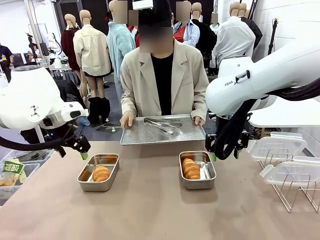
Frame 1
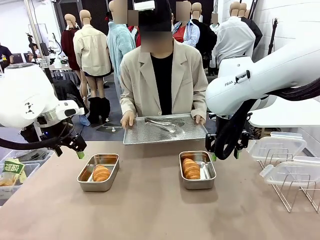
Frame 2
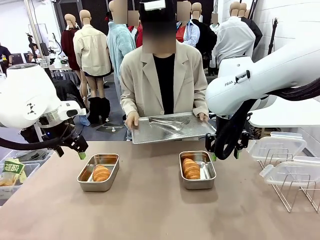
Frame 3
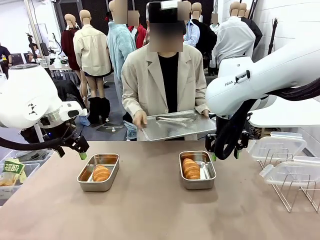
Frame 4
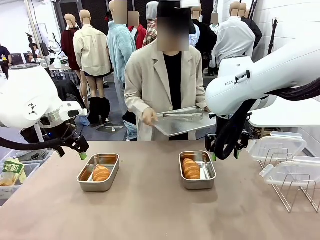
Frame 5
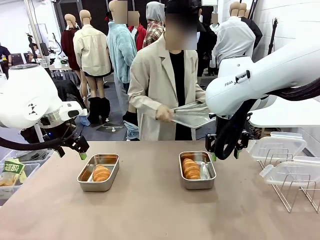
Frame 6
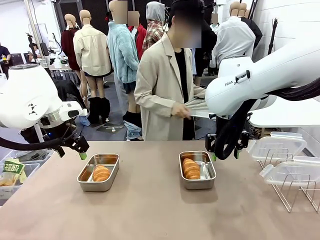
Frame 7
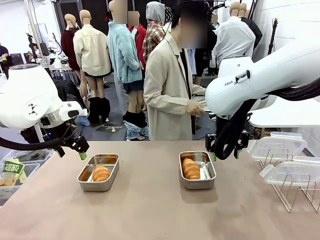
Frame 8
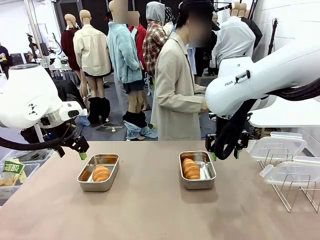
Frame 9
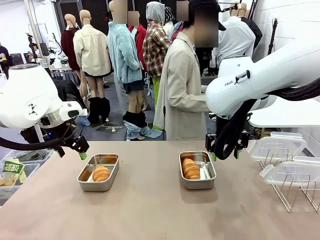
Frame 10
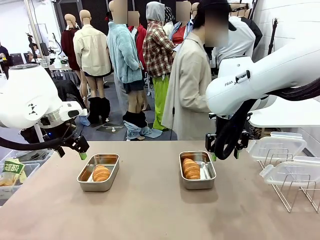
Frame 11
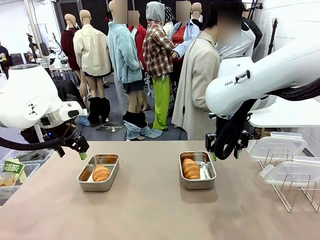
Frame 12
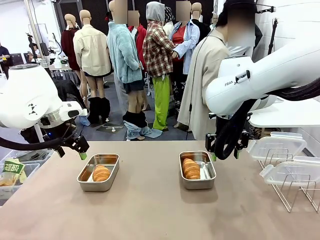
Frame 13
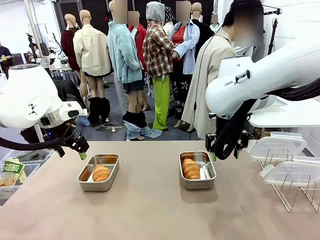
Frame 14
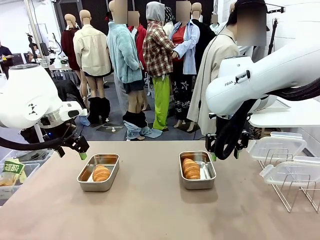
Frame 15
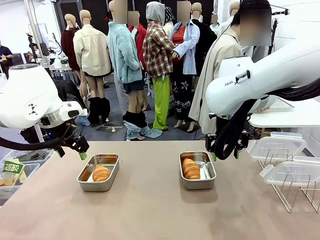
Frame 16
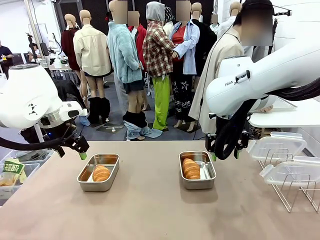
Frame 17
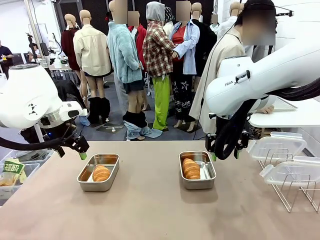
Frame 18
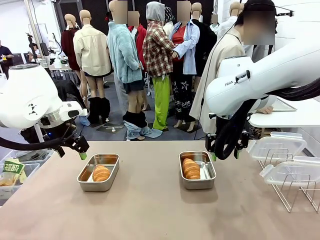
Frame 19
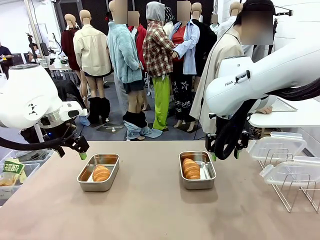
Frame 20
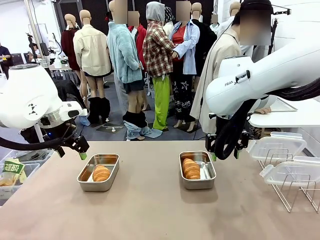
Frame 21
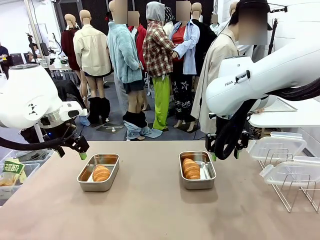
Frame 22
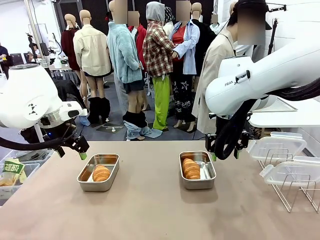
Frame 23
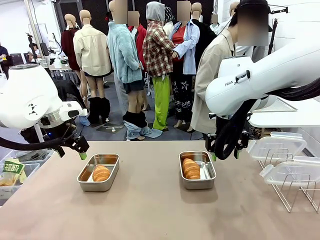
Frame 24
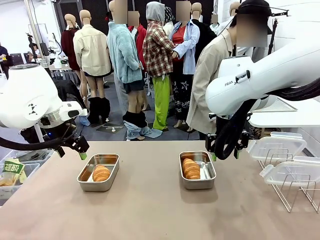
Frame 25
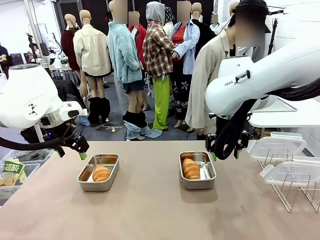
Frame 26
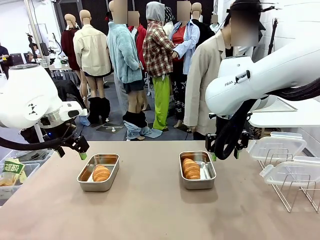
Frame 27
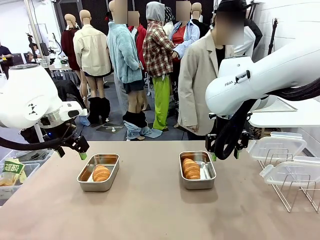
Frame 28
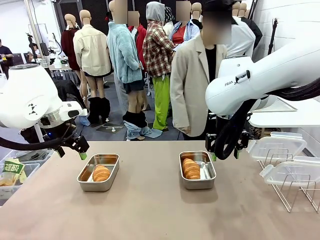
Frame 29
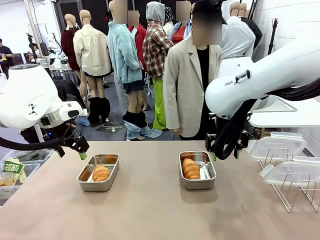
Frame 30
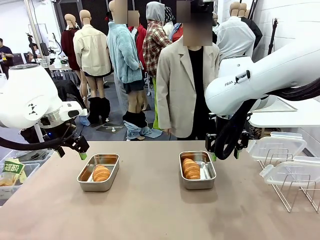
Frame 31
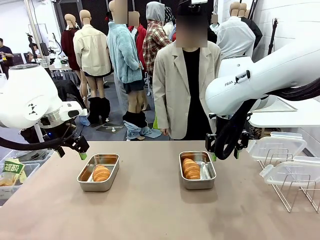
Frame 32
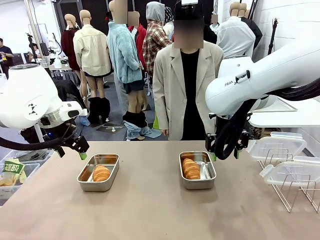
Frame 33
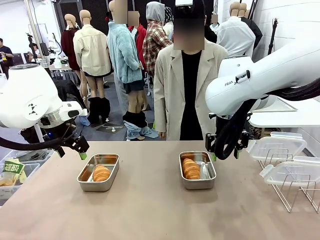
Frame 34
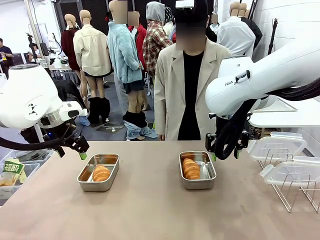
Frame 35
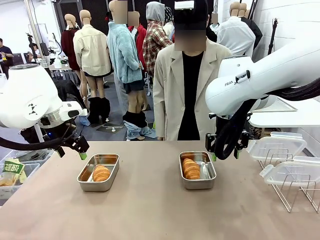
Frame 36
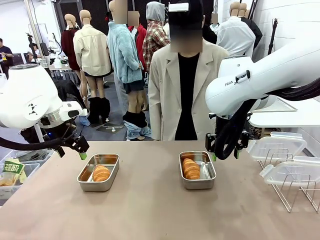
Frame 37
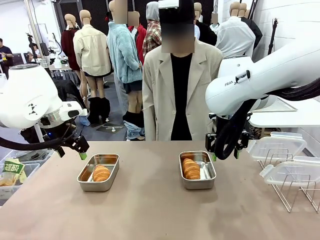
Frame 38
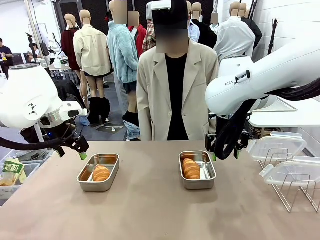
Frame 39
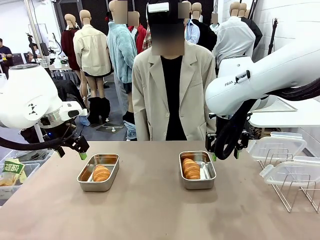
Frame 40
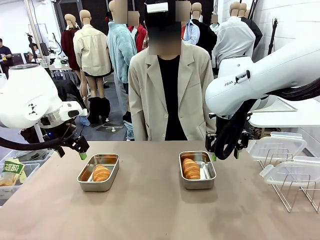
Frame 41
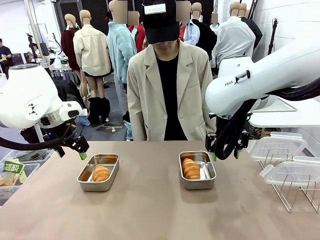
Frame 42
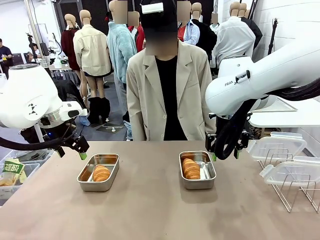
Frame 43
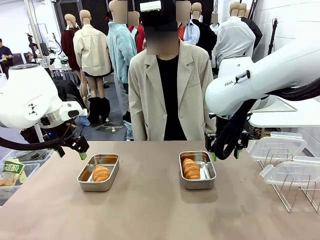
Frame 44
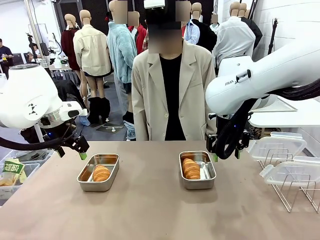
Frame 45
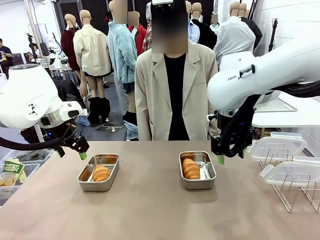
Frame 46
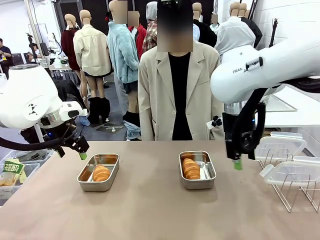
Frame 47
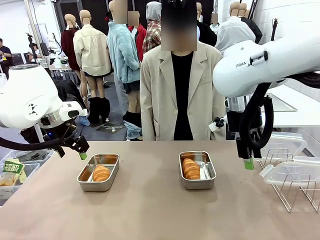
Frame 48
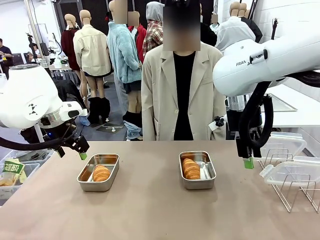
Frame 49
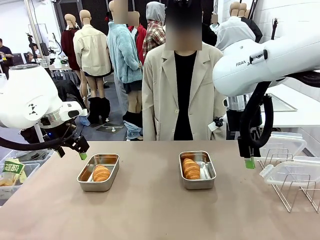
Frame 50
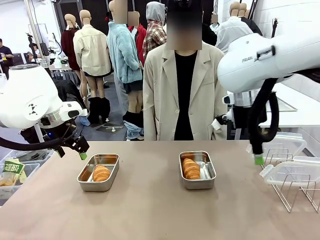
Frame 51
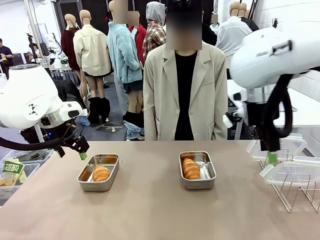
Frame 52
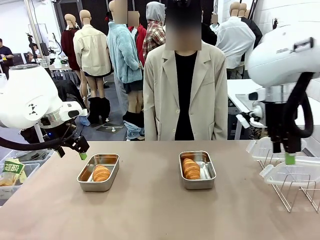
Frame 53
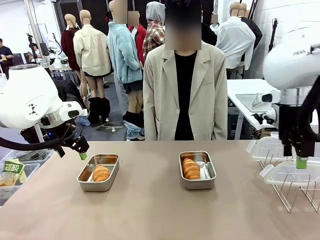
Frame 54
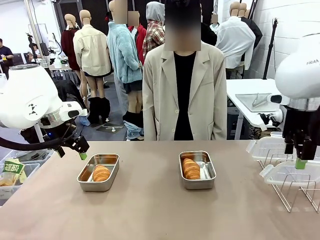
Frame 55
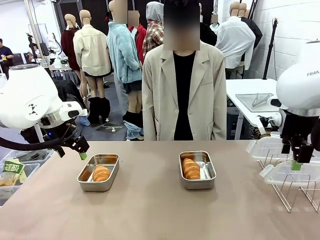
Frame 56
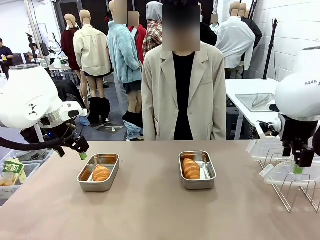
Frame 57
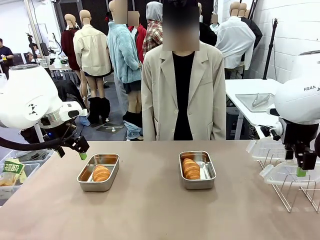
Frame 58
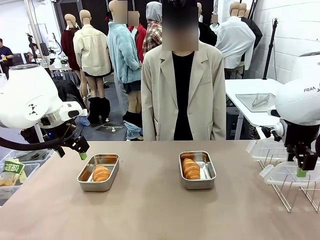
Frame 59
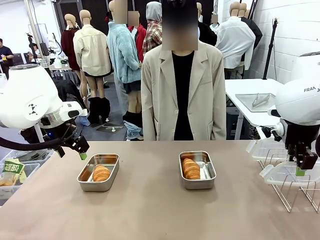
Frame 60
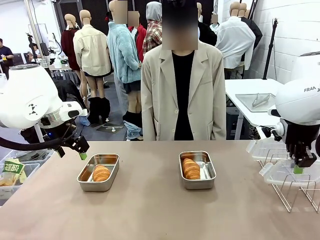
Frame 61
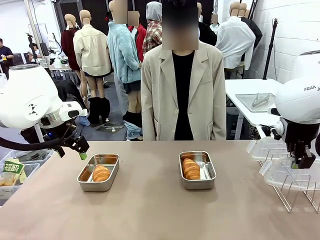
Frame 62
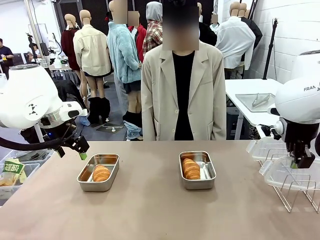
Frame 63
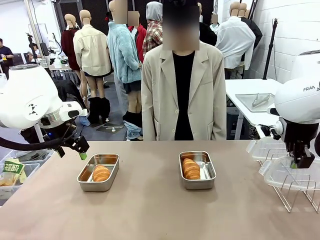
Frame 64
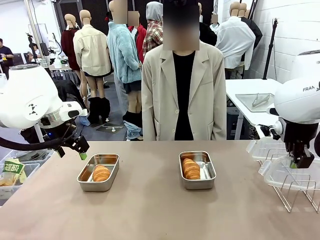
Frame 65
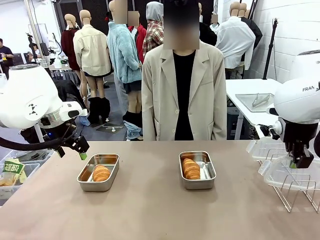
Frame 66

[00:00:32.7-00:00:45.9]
Task: Place the bread in airtight containers.
Robot: Pick up one Airtight Container lid and hand it to the human.
Person: Place Baking Sheet on the Human's Table. Grip Airtight Container lid that robot is handing.

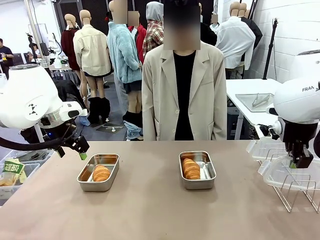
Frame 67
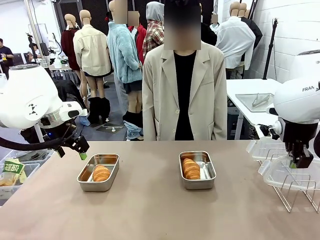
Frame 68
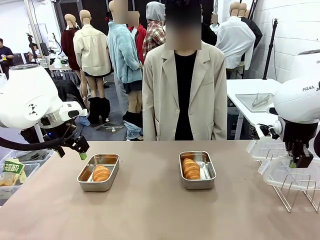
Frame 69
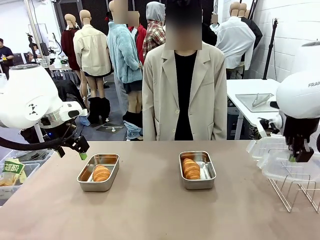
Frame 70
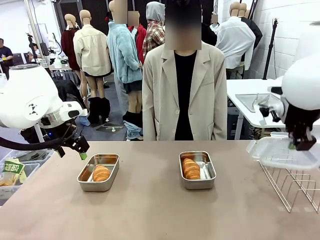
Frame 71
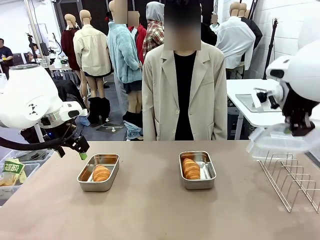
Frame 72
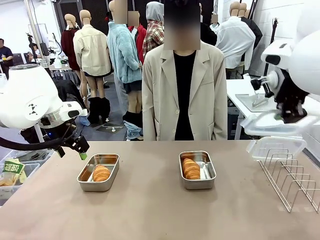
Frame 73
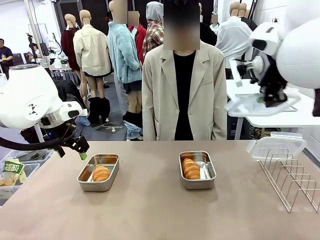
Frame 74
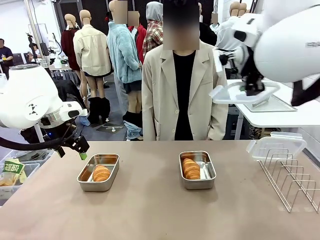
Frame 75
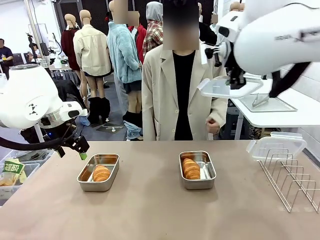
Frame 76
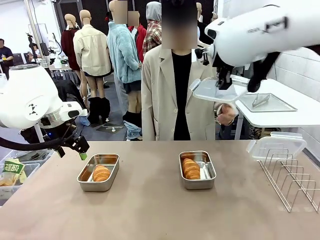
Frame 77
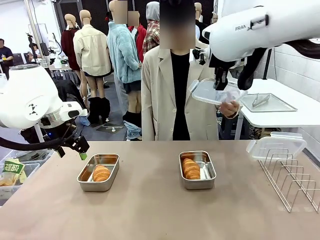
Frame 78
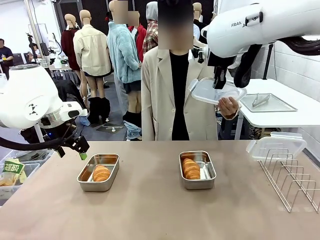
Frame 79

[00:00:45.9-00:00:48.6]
Robot: Release when the human grabs the Airtight Container lid.

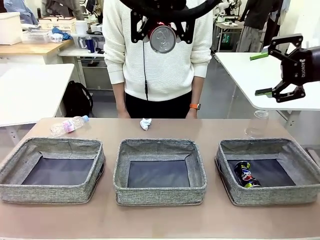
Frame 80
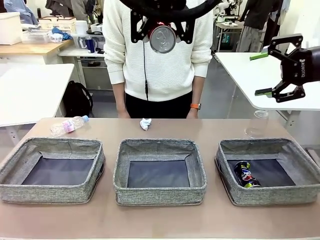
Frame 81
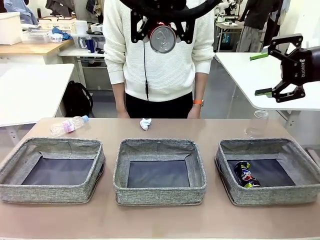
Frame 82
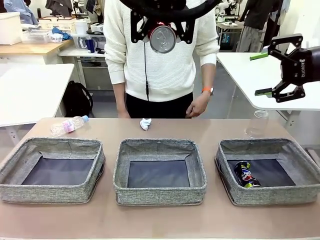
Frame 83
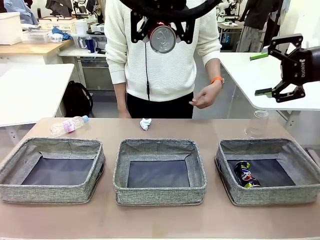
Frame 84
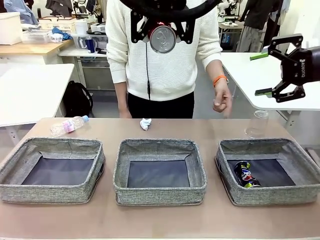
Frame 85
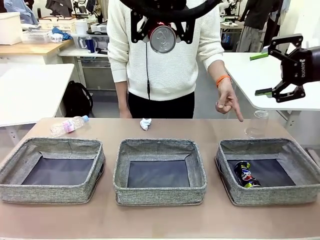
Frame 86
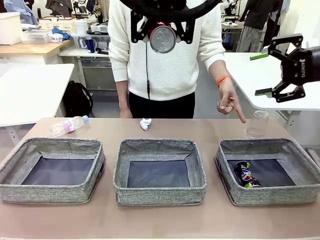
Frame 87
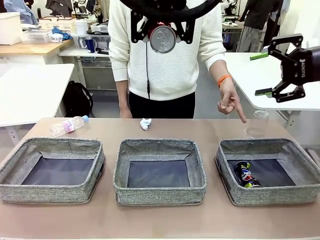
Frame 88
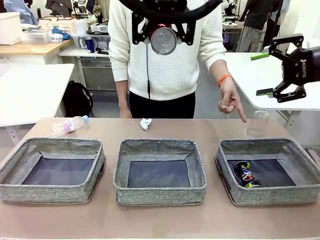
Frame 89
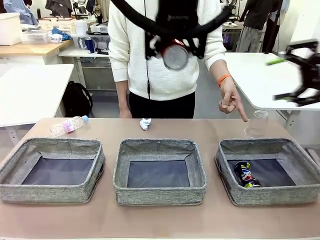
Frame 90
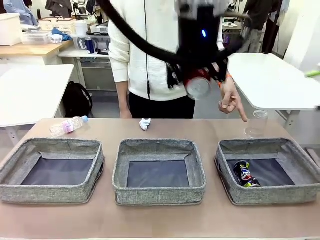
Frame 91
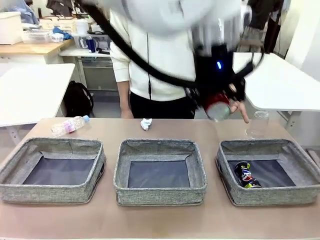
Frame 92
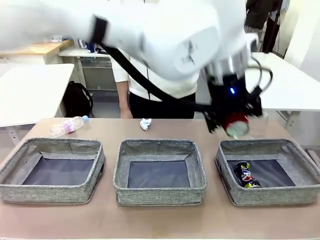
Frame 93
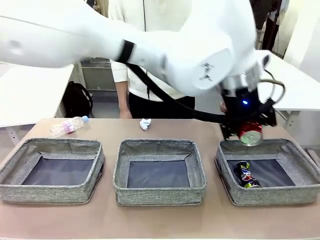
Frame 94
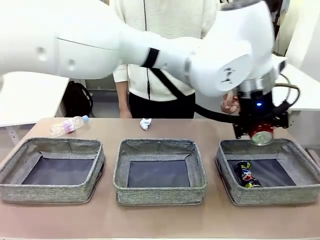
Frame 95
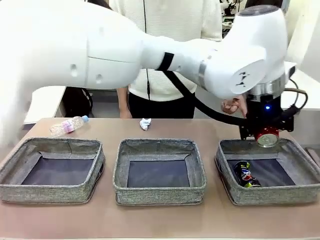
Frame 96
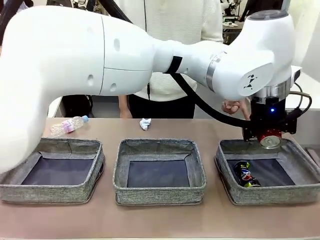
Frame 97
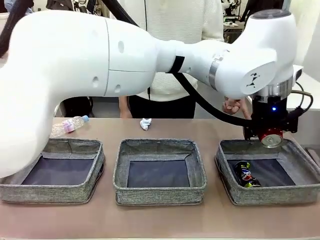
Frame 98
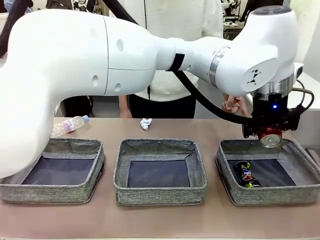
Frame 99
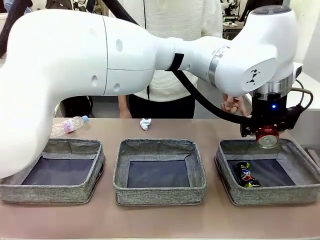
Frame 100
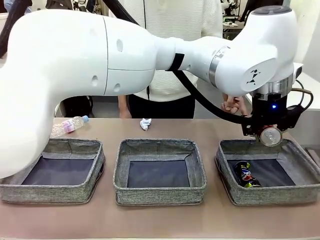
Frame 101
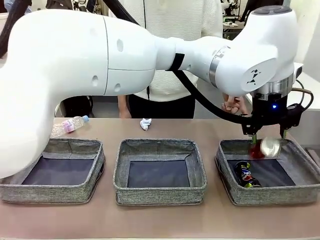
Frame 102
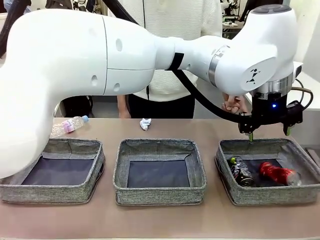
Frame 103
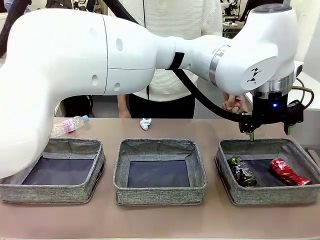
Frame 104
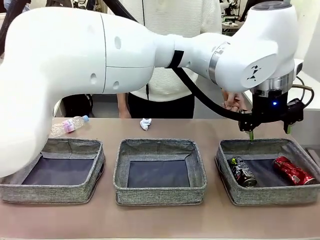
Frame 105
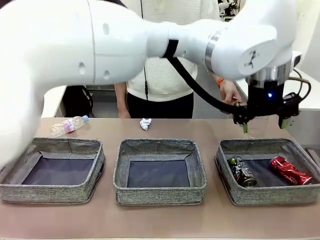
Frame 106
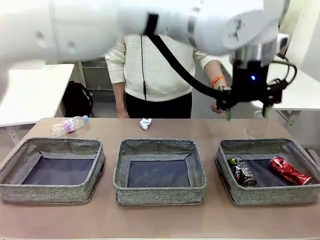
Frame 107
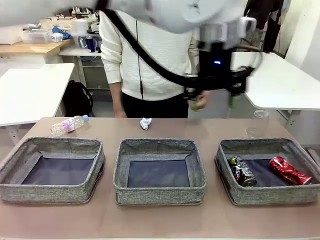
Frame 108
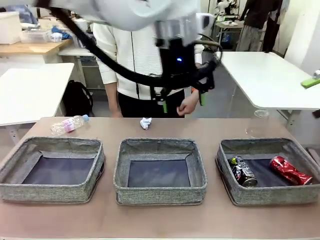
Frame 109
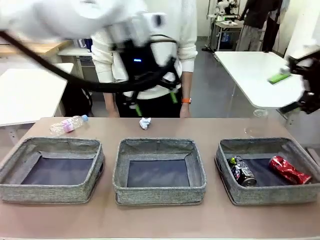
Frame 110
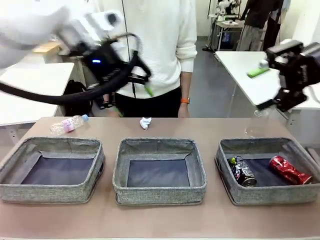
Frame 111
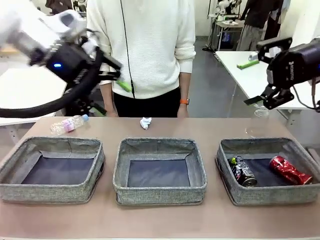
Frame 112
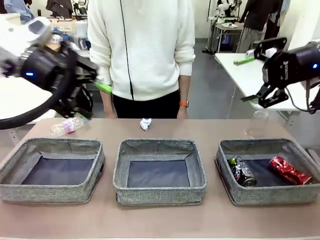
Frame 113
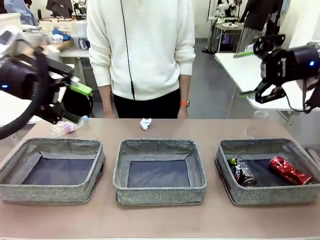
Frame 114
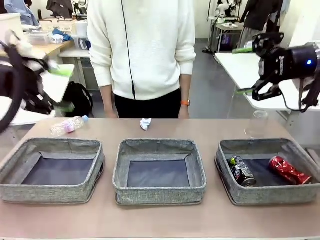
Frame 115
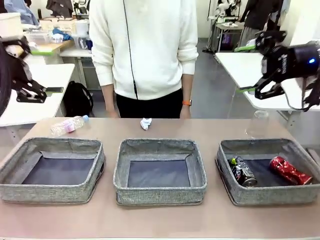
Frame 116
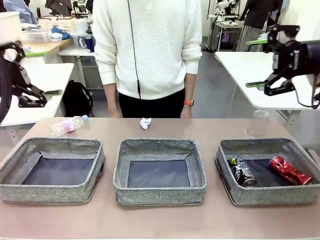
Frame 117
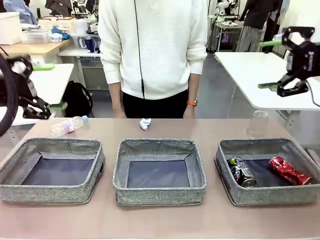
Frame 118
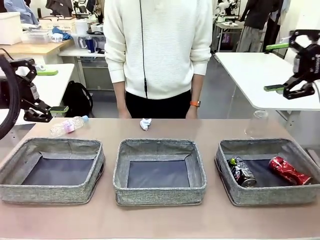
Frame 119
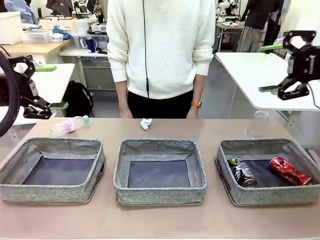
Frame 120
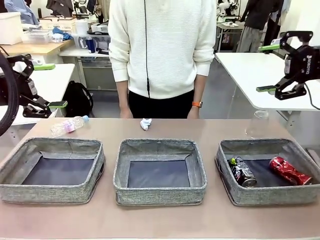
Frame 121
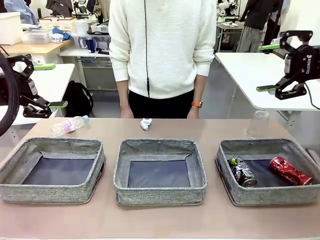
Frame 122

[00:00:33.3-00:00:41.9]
Task: Sort the waste into the appropriate baskets.
Robot: Place the picked waste into the Fabric basket indicated by the person.
Person: Instructs the robot to place the picked-up trash into the appropriate organizing basket.
